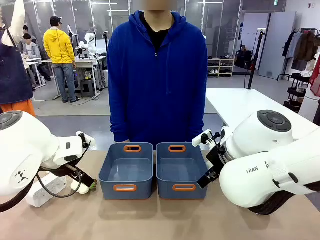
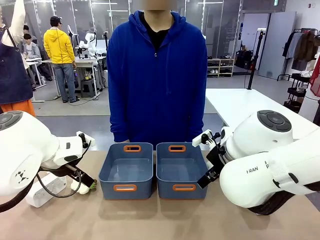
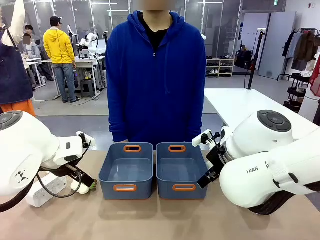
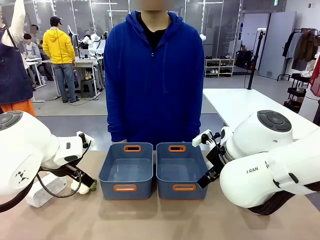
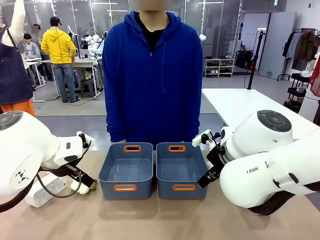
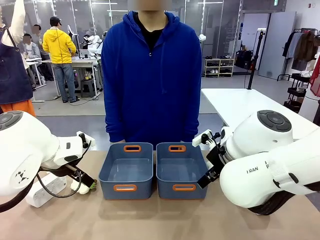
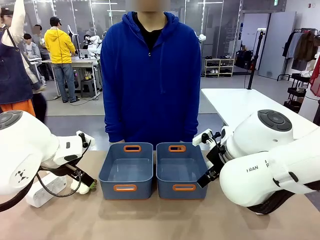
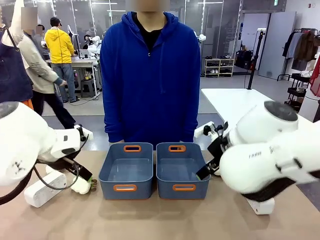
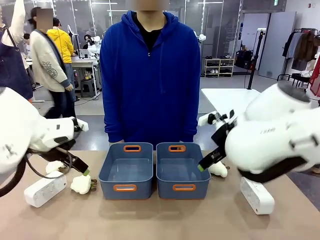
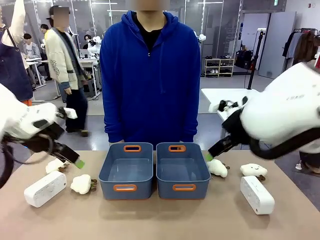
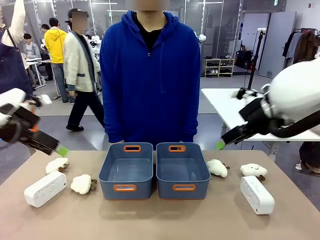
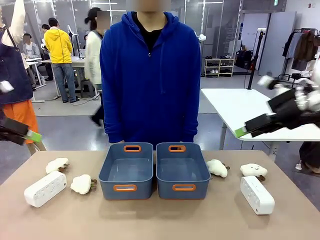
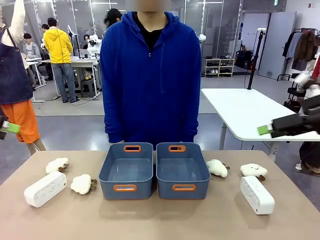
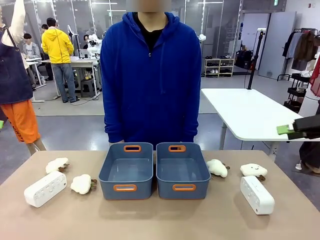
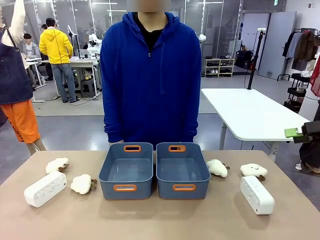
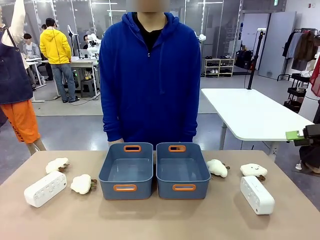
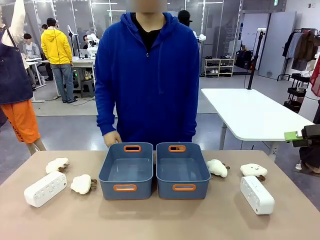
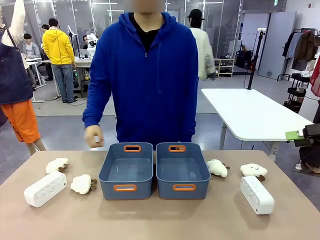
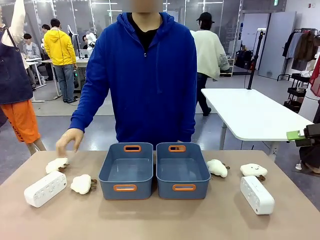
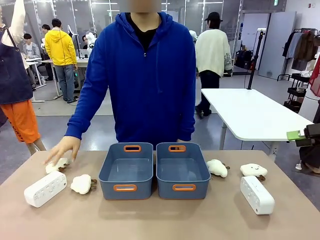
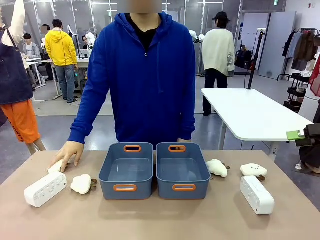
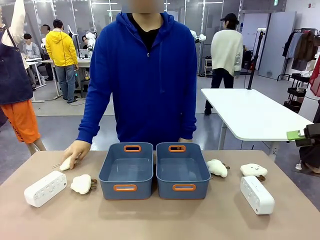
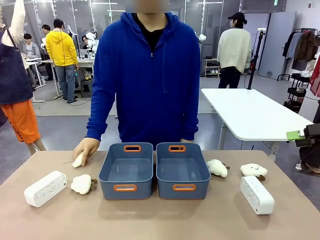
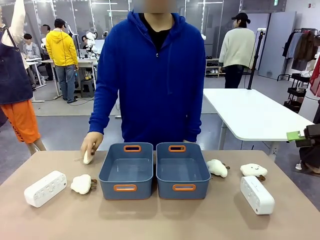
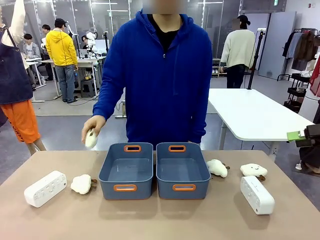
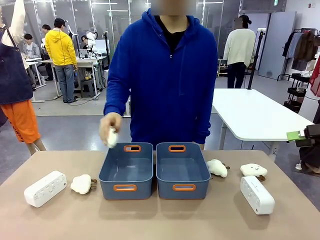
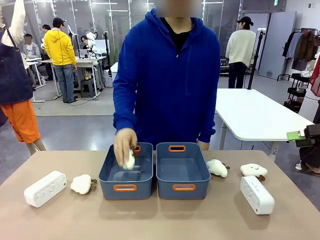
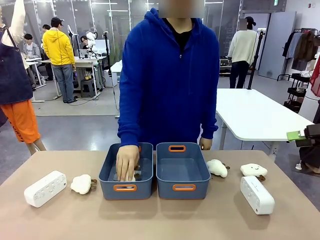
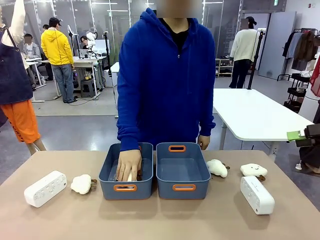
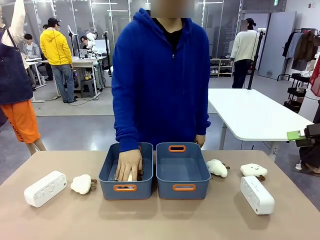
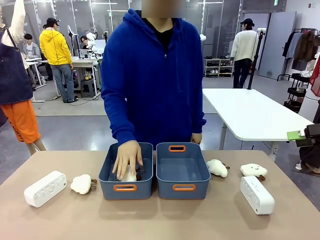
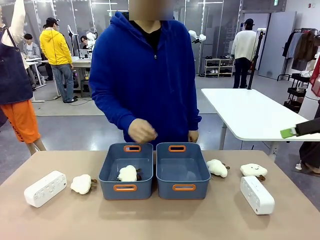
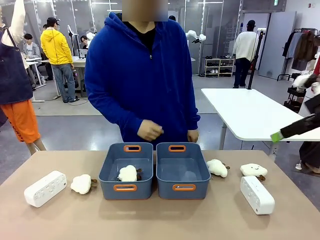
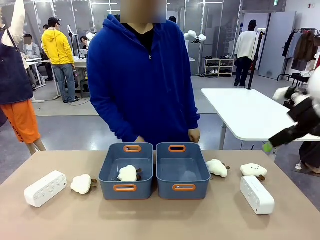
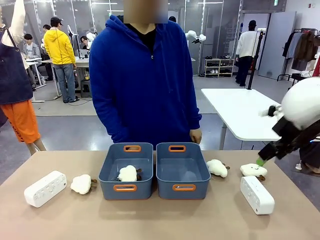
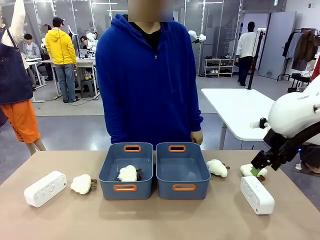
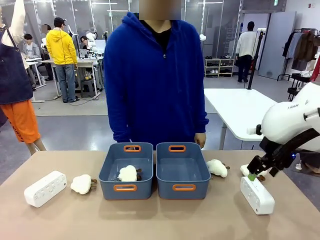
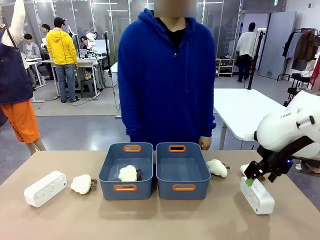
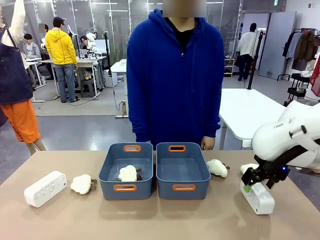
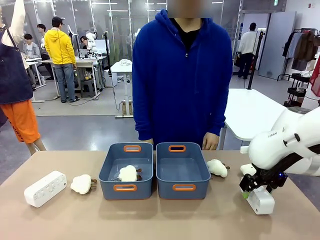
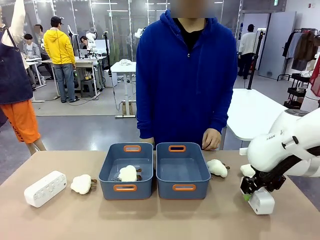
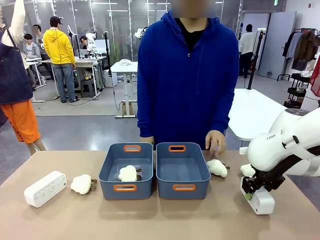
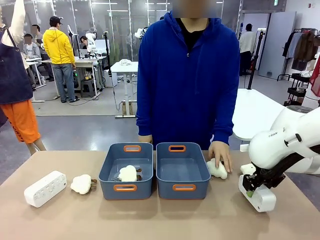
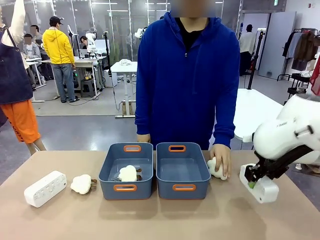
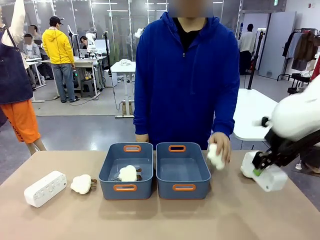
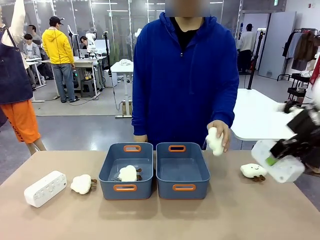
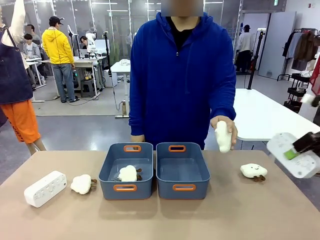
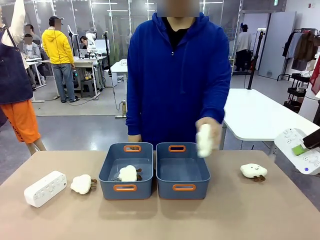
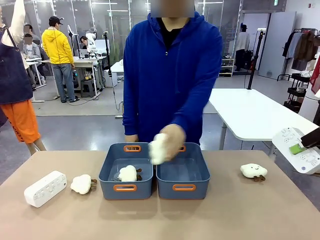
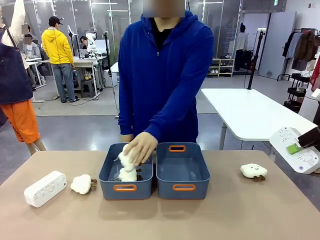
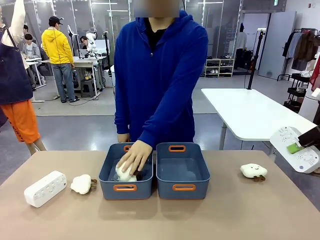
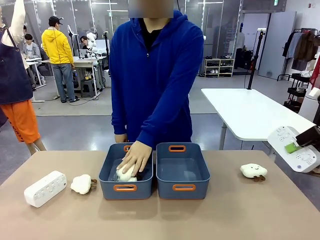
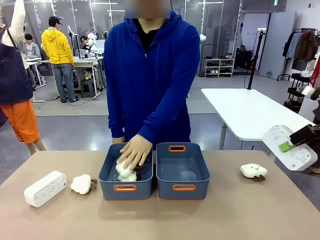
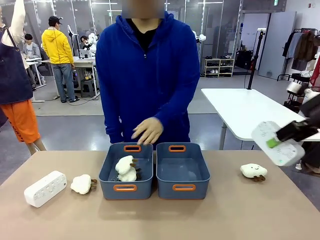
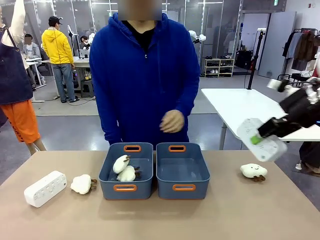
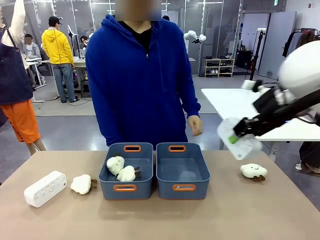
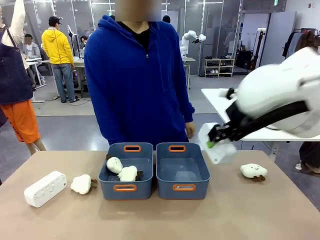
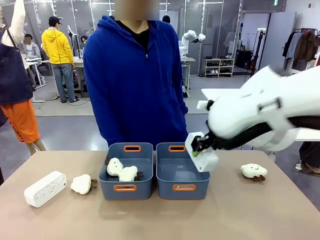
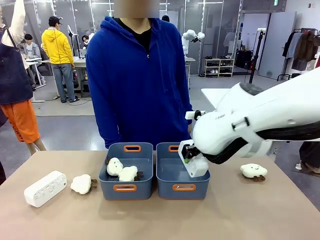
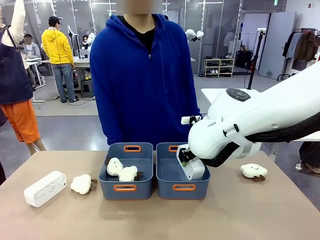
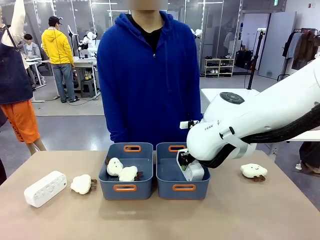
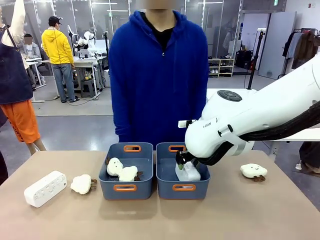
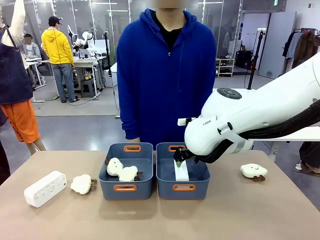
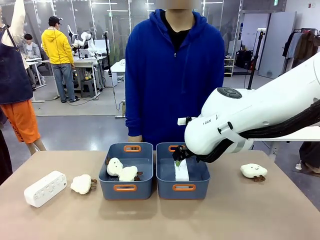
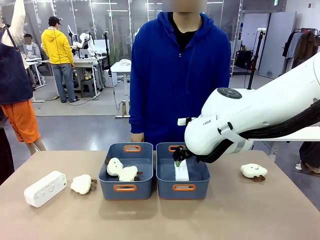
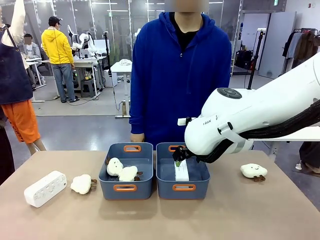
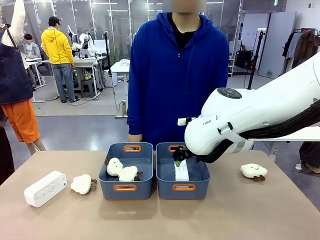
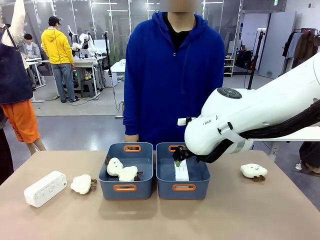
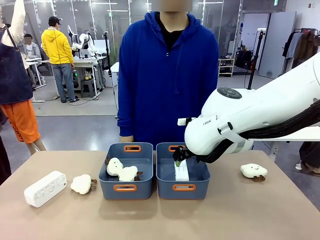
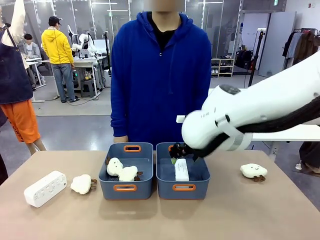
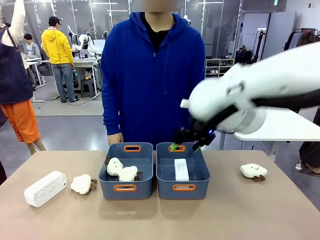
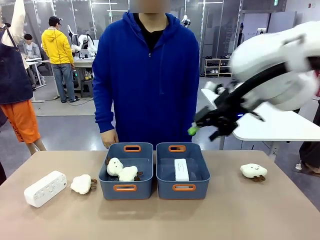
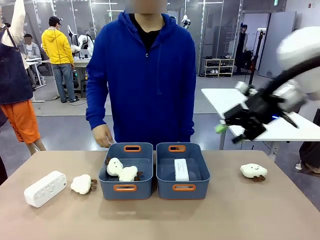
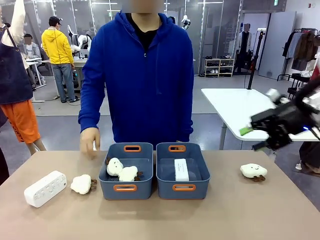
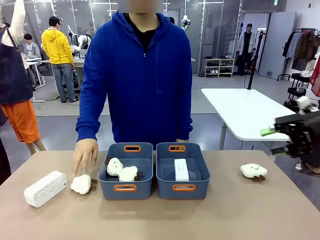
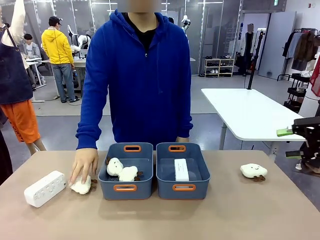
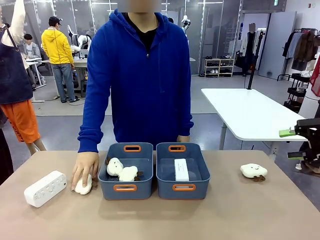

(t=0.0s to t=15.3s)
Task: Sort the digital clocks into the basket.
Robot: Pick up the Digital clock from the table and place it into the empty Plastic storage basket.
Person: Pick up a plush toy from the table and place it in a plastic storage basket.
